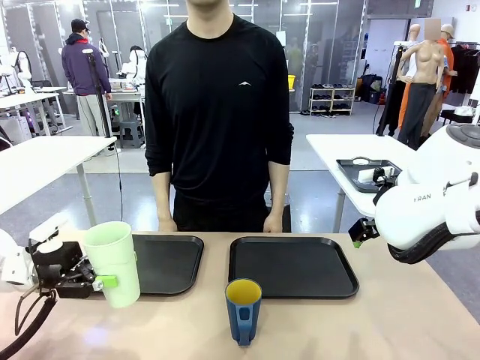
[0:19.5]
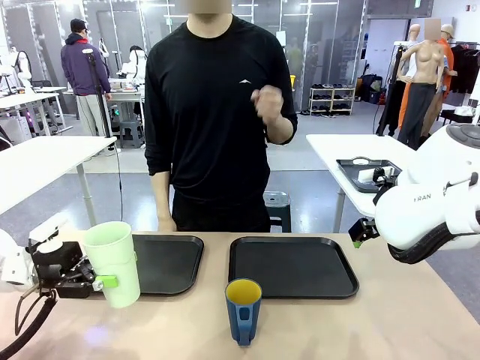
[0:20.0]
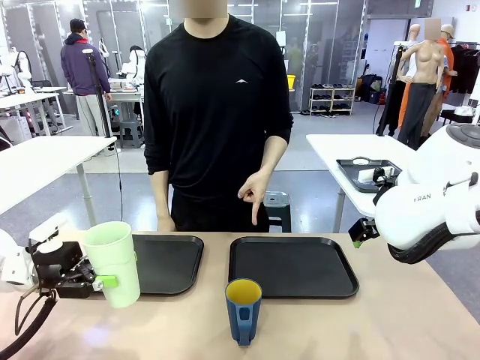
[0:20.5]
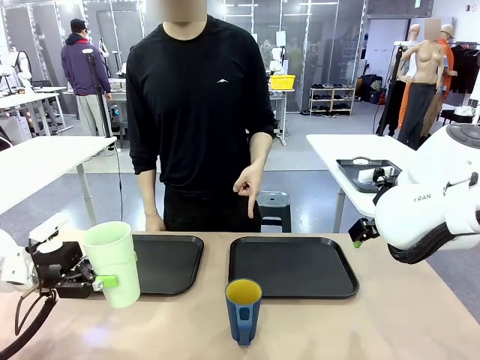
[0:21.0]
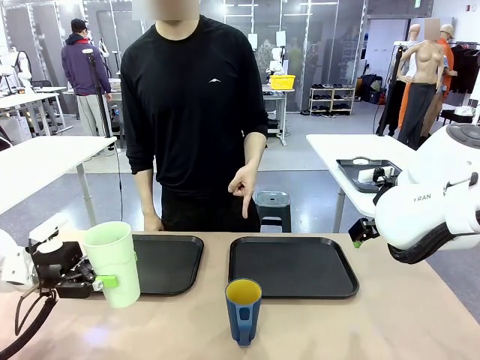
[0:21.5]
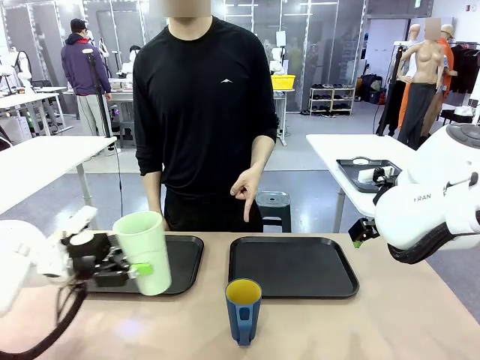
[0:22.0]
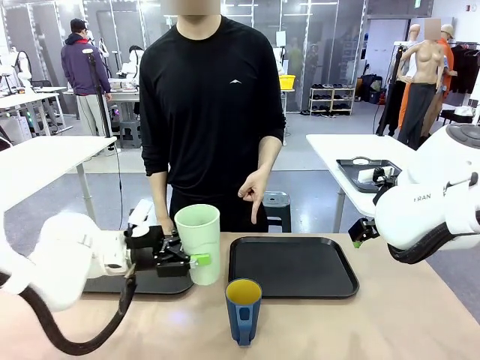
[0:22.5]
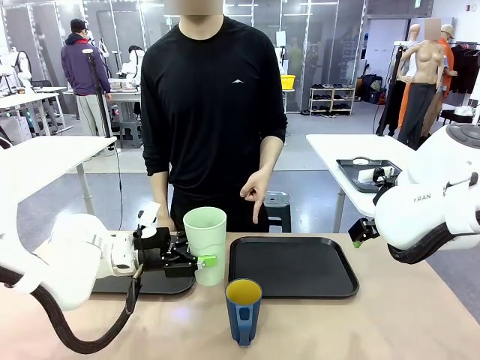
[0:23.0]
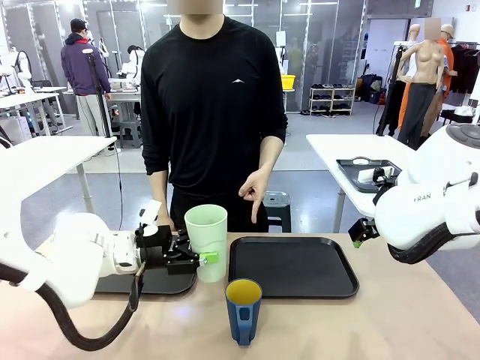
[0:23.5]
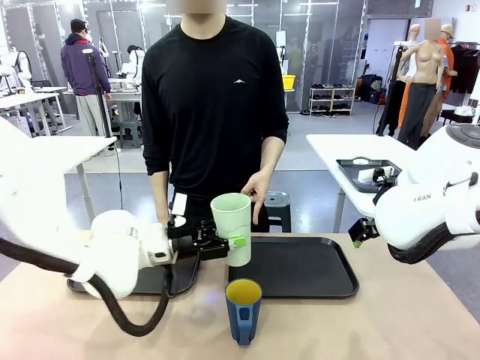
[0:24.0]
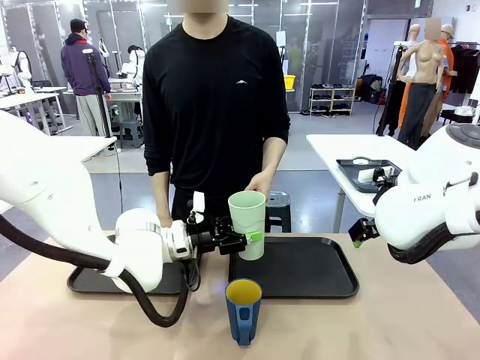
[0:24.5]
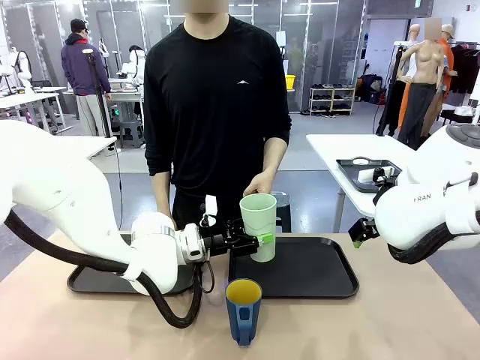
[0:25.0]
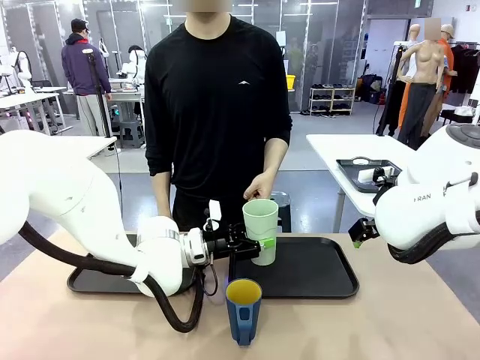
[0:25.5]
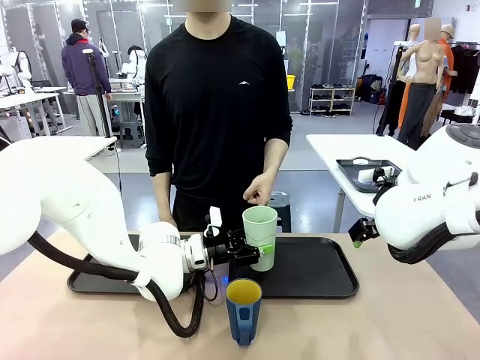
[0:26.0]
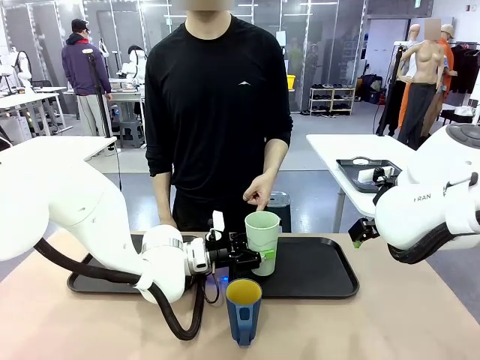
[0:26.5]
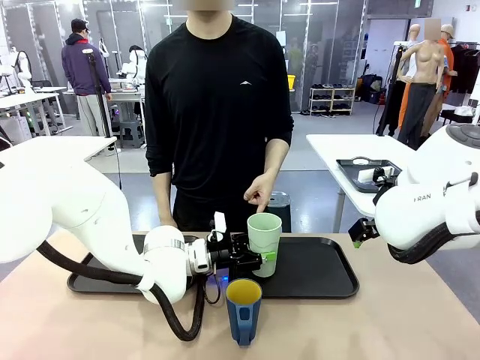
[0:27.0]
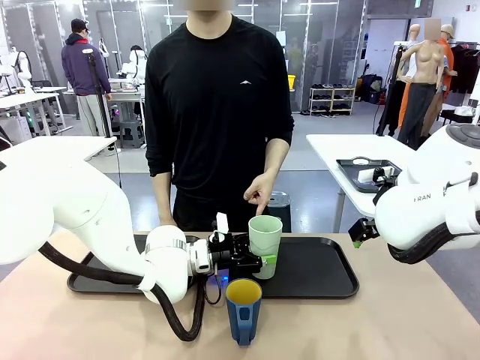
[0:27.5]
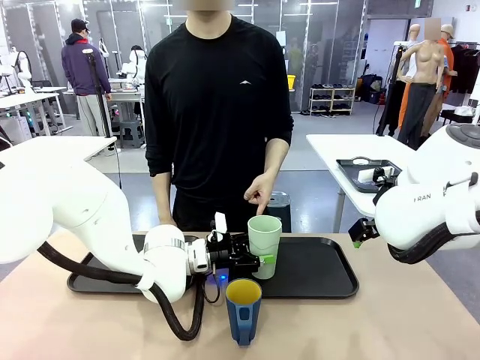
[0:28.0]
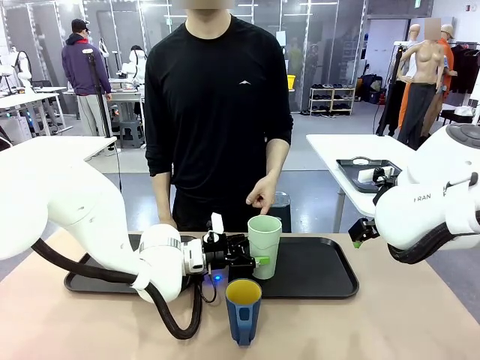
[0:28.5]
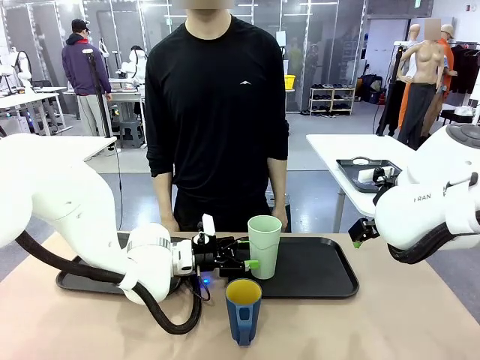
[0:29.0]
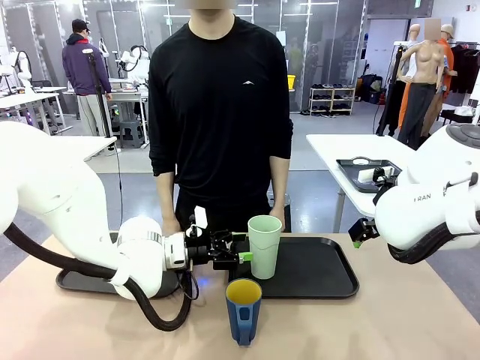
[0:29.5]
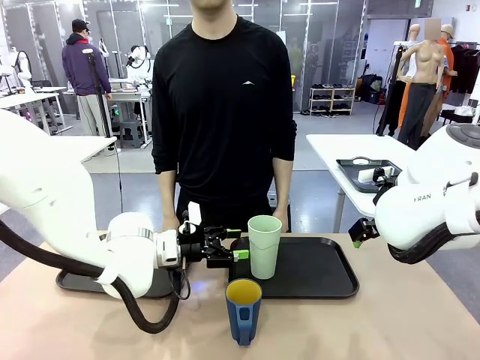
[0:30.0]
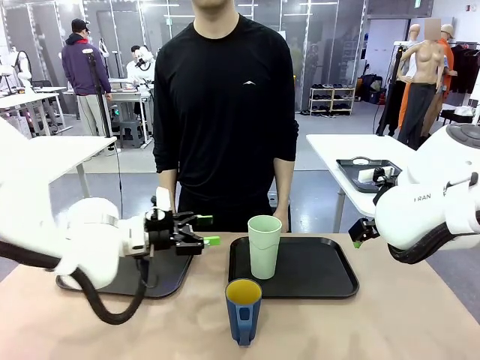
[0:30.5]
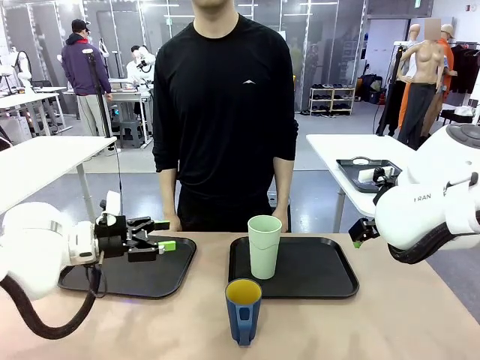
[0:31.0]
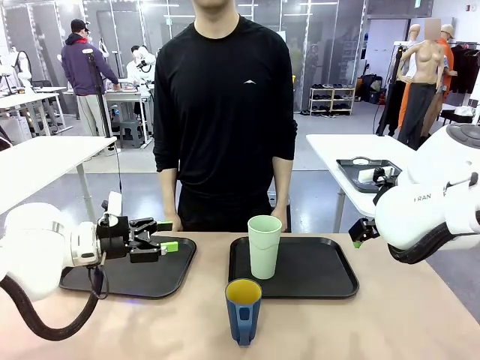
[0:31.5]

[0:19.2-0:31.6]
Task: Sort and store the cups by type.
Robot: Place the picked Reusable plastic cup into the Flat Tray indicated by the person.

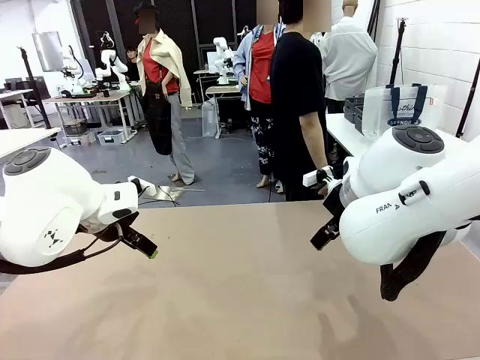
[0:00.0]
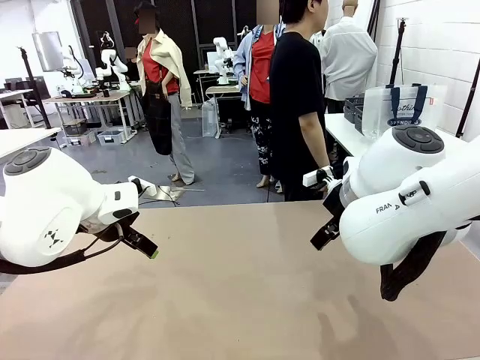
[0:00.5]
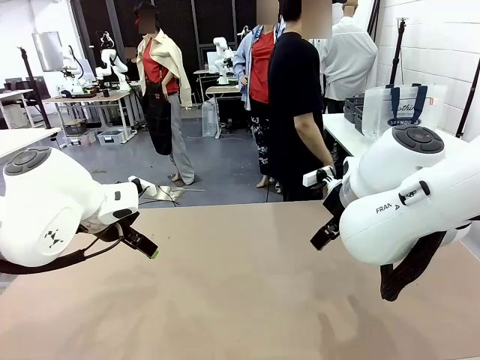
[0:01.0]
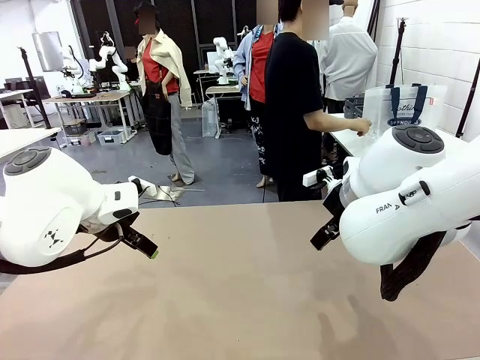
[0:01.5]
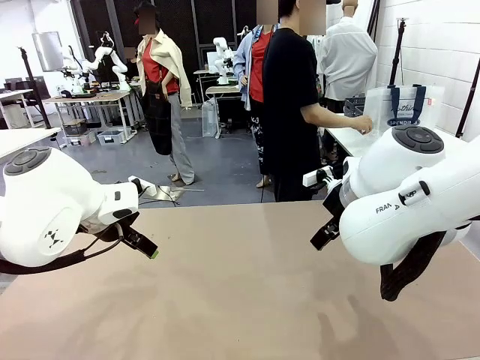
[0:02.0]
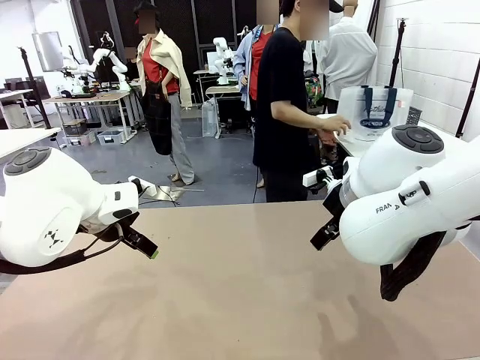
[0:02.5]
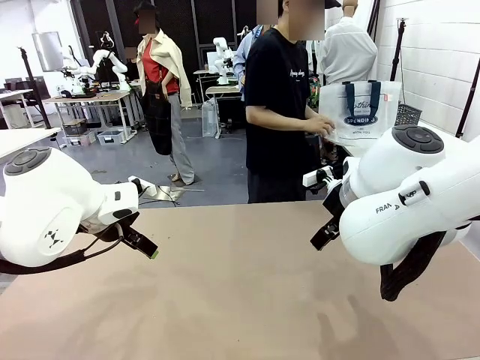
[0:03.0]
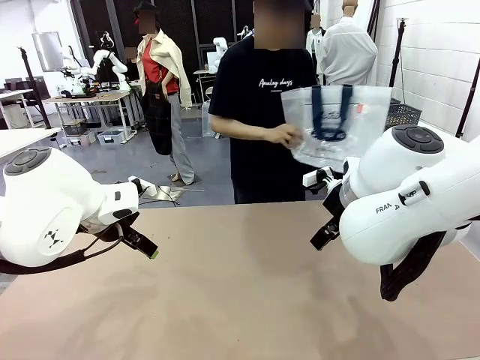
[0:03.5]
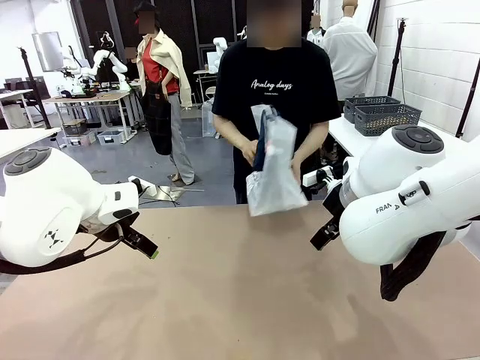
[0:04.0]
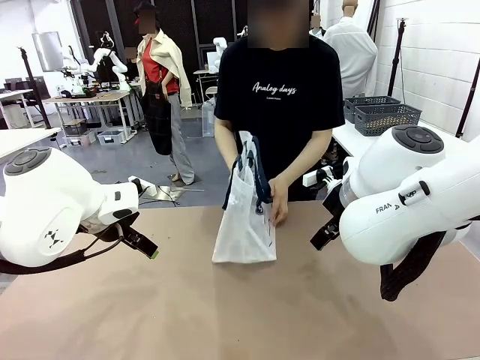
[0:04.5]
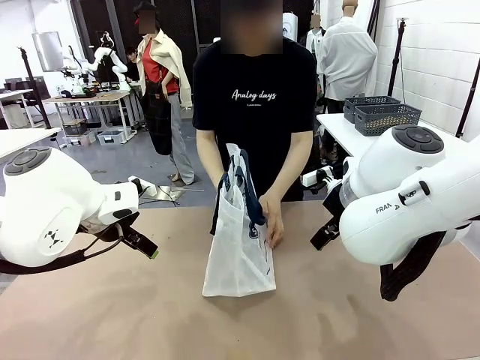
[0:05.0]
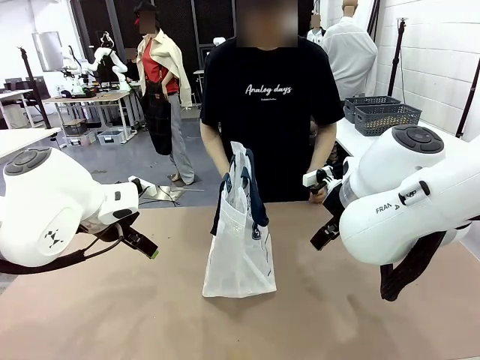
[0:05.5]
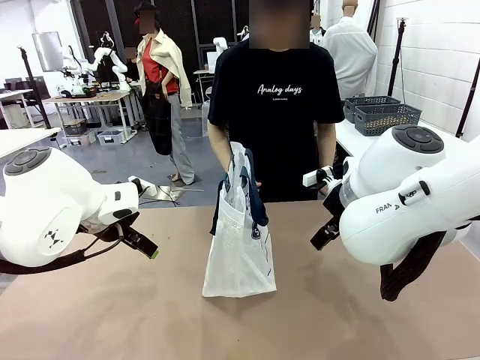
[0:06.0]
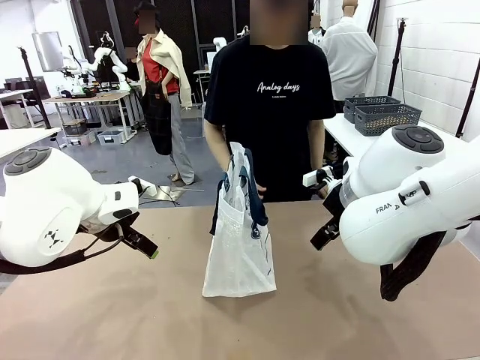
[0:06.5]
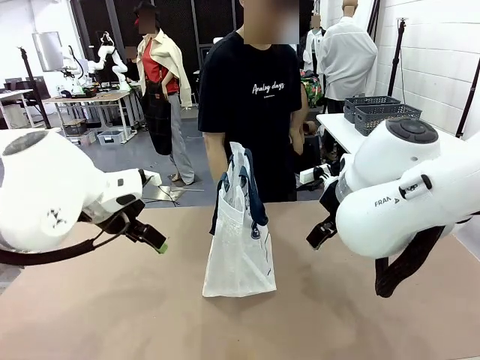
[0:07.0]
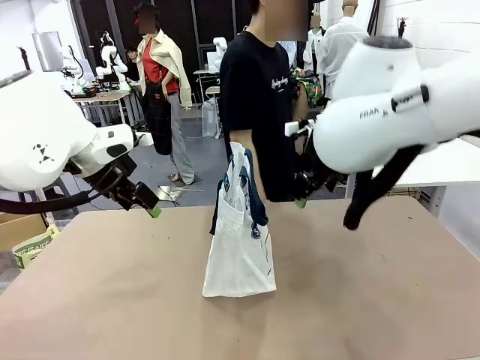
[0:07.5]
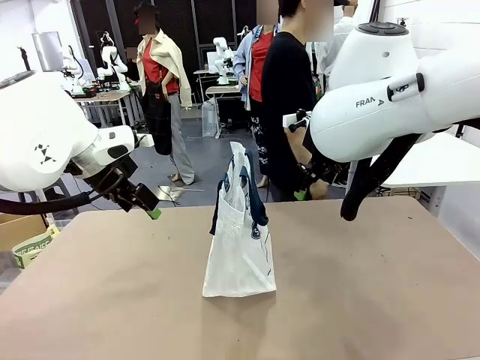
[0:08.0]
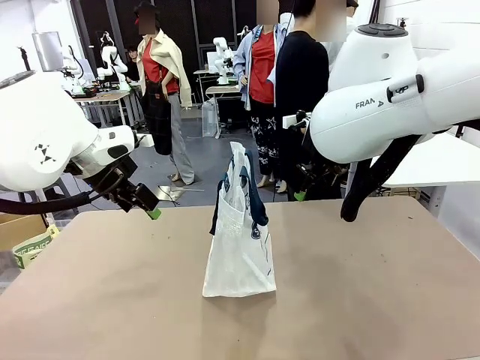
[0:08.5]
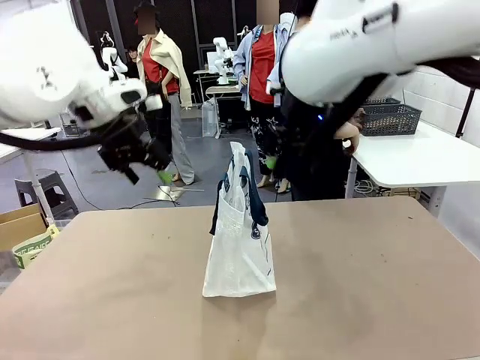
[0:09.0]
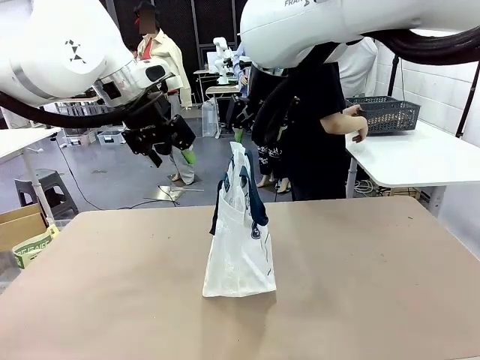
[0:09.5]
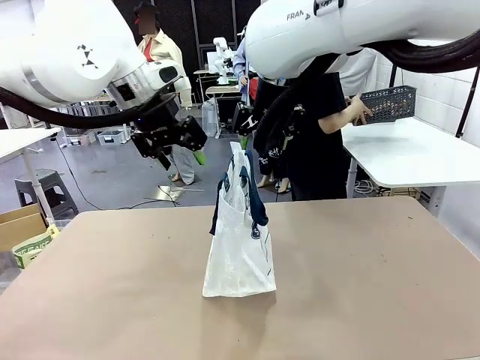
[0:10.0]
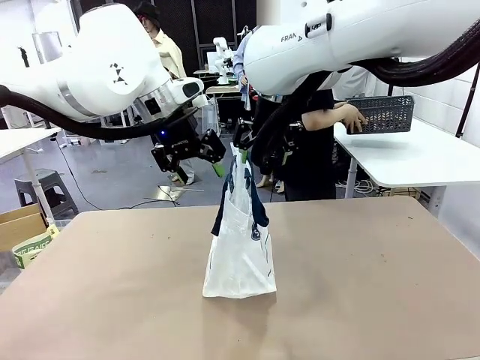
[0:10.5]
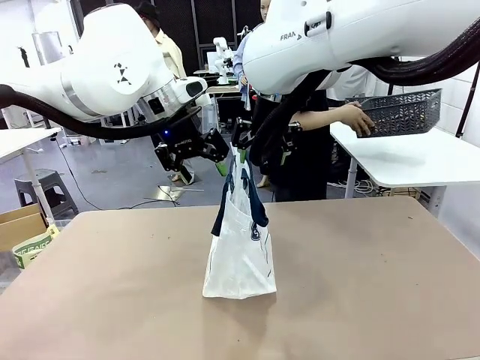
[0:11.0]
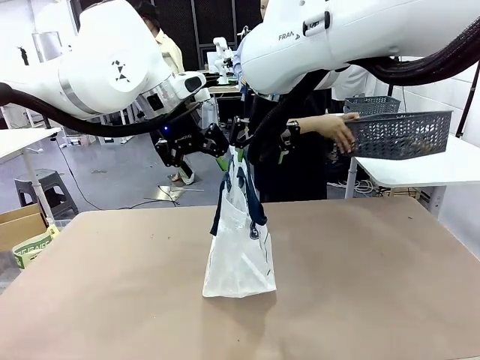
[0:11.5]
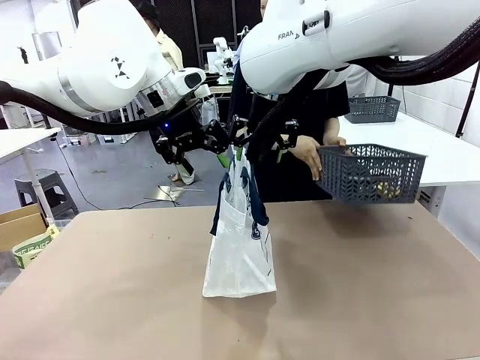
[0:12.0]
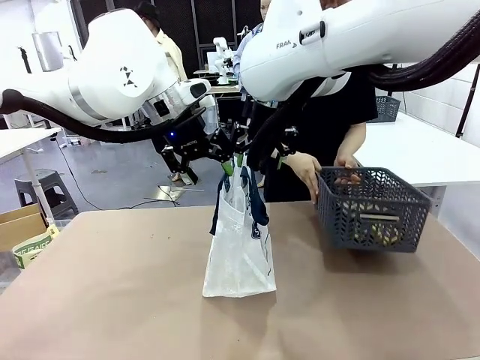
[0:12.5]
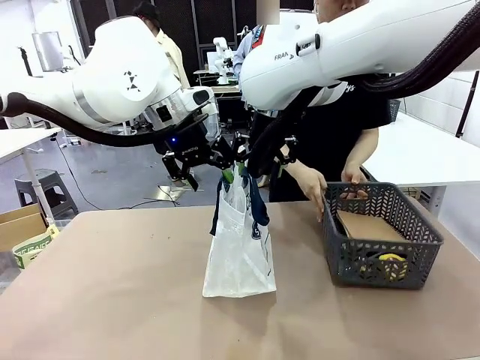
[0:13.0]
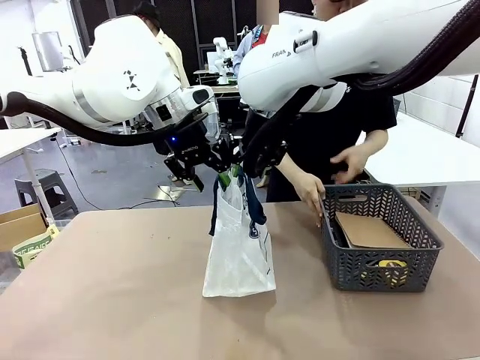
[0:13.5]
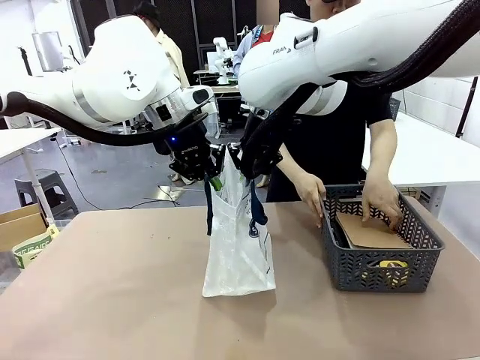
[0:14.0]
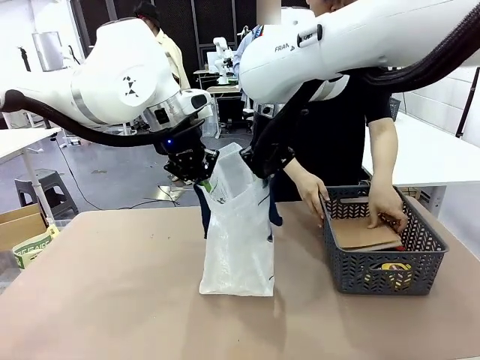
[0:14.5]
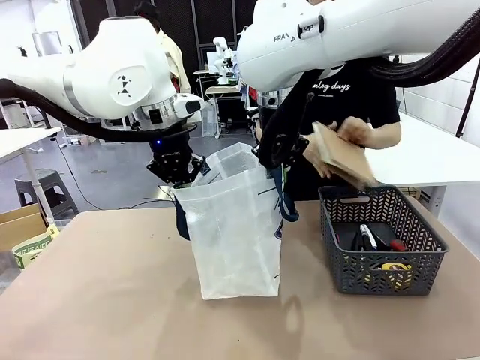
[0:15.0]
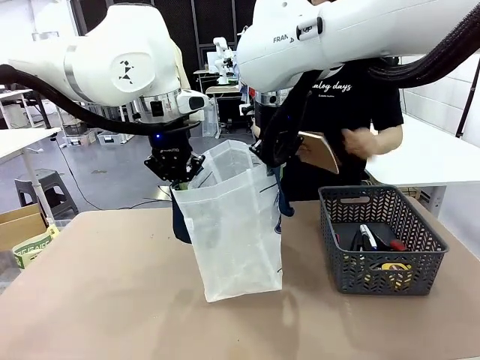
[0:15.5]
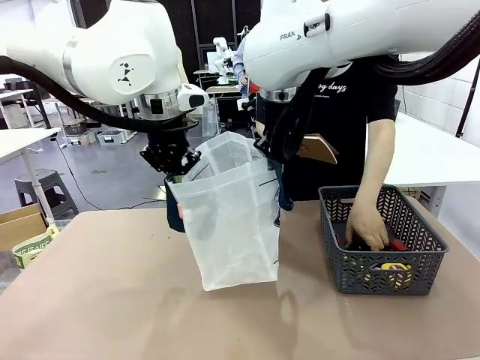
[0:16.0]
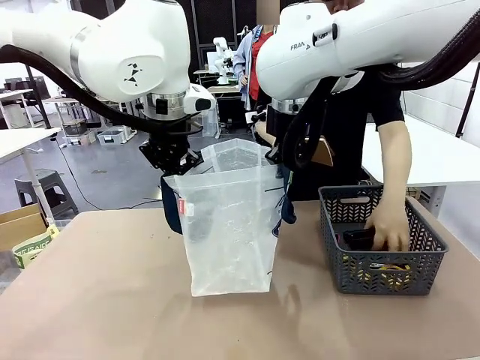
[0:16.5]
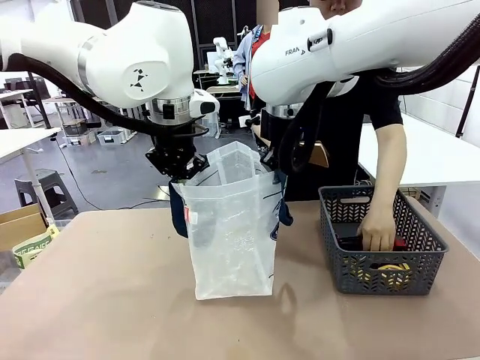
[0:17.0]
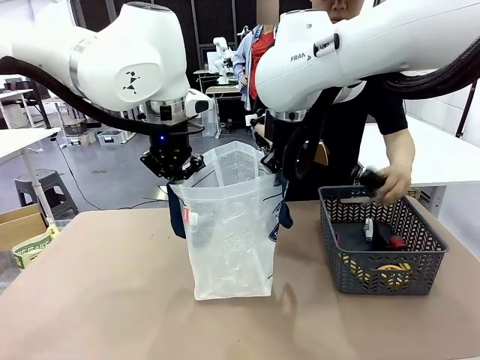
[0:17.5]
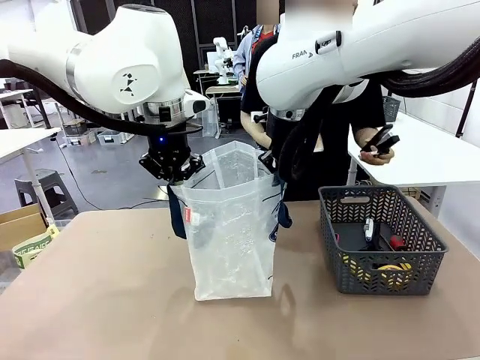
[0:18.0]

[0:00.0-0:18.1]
Task: Transfer purchased items from the store into the shopping bag.
Robot: Open the Reusable shopping bag in the center of the table.
Person: Pick up the shopping bag and place it in the middle of the robot table.
